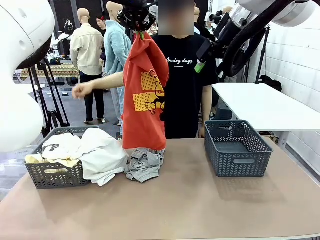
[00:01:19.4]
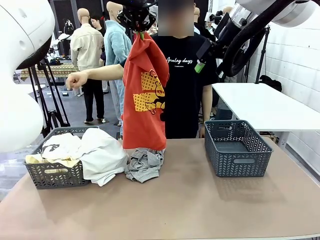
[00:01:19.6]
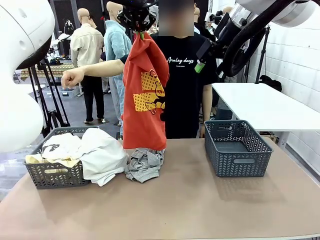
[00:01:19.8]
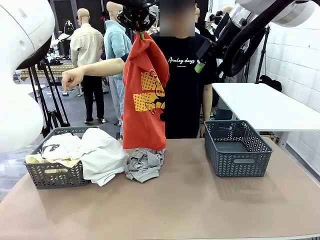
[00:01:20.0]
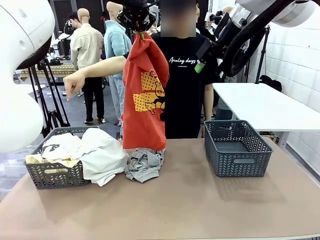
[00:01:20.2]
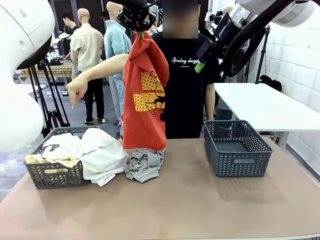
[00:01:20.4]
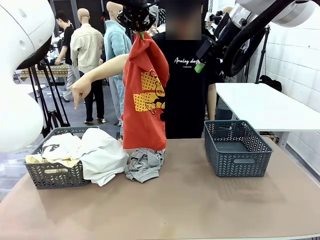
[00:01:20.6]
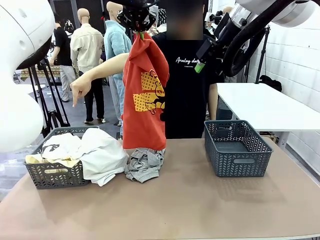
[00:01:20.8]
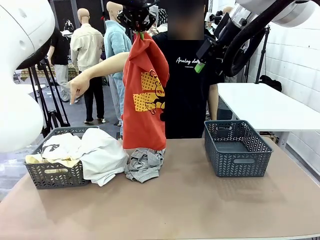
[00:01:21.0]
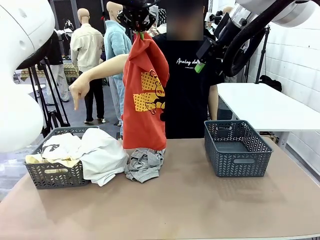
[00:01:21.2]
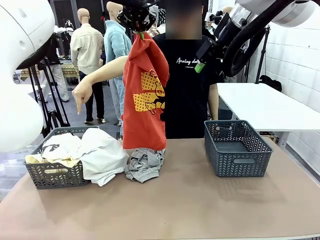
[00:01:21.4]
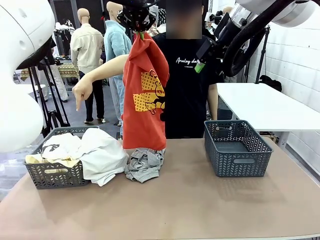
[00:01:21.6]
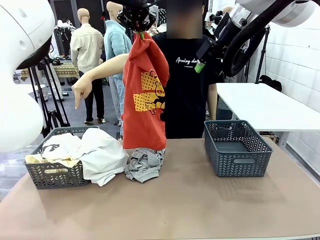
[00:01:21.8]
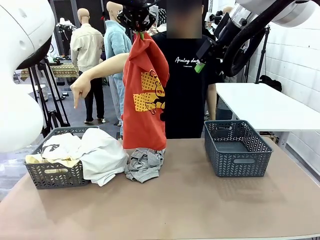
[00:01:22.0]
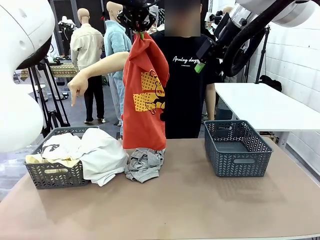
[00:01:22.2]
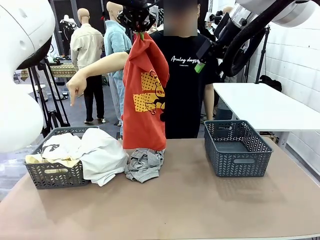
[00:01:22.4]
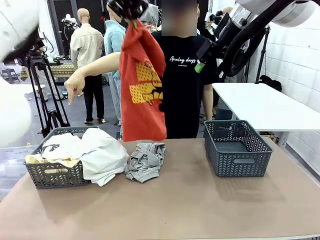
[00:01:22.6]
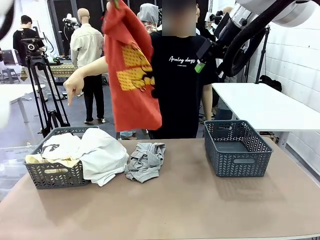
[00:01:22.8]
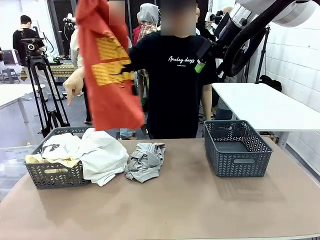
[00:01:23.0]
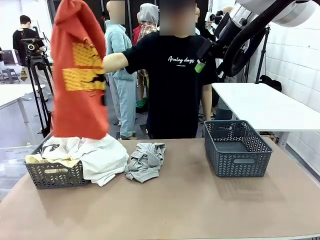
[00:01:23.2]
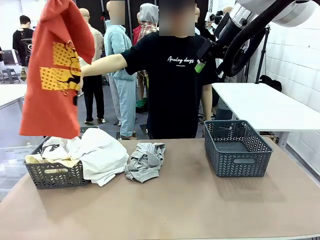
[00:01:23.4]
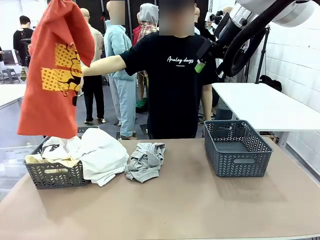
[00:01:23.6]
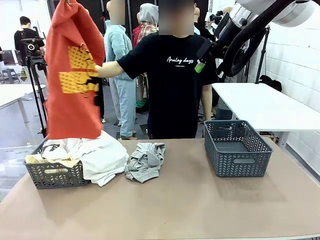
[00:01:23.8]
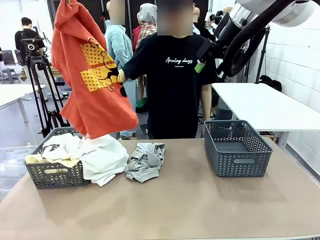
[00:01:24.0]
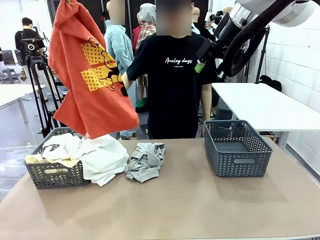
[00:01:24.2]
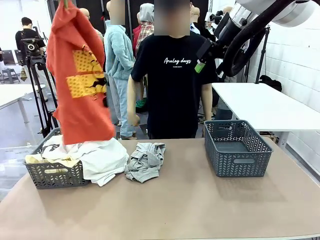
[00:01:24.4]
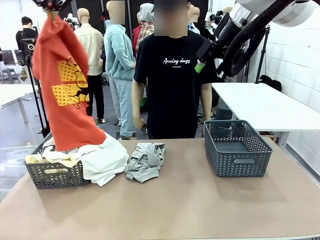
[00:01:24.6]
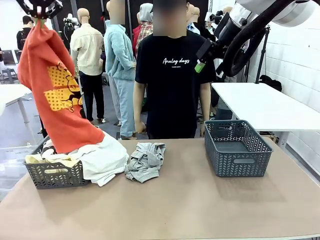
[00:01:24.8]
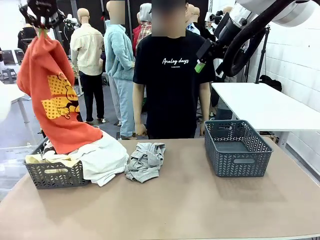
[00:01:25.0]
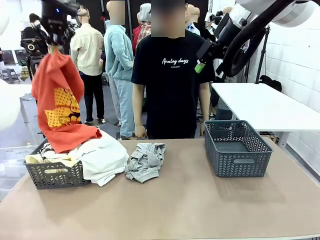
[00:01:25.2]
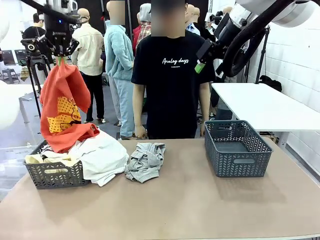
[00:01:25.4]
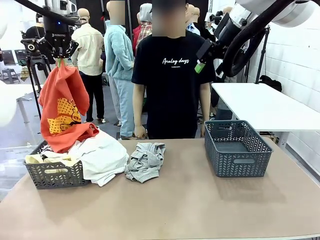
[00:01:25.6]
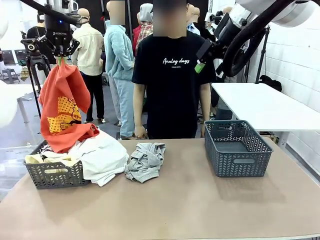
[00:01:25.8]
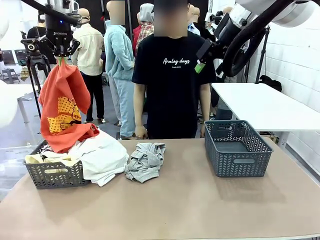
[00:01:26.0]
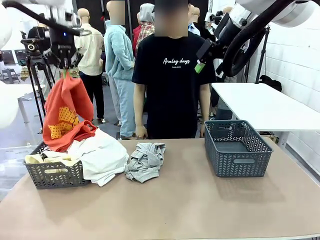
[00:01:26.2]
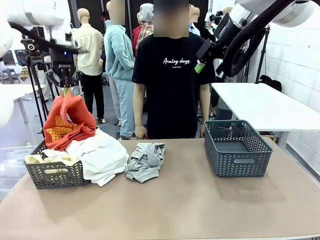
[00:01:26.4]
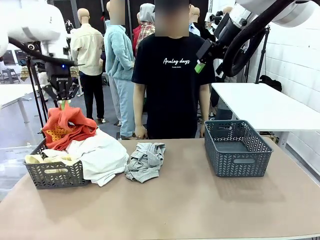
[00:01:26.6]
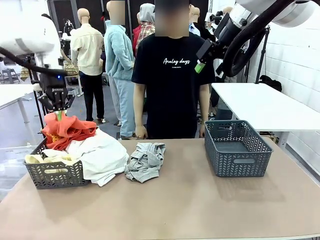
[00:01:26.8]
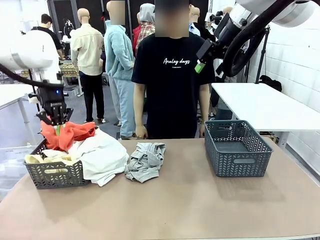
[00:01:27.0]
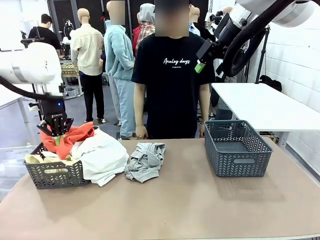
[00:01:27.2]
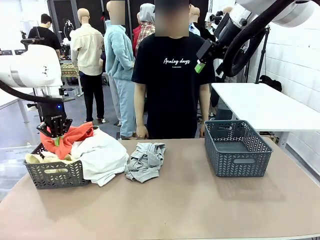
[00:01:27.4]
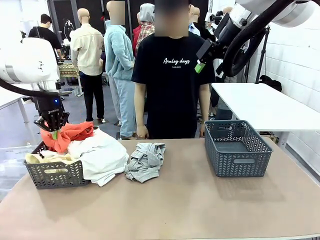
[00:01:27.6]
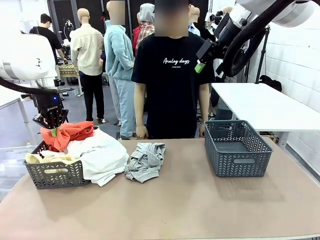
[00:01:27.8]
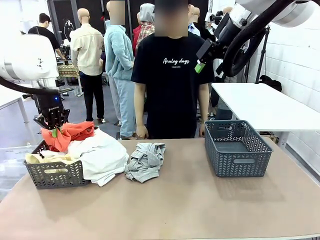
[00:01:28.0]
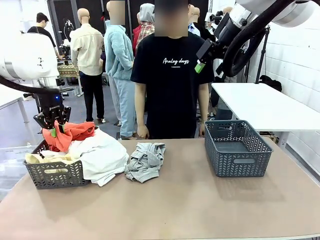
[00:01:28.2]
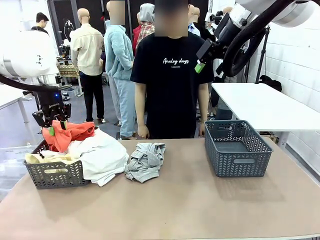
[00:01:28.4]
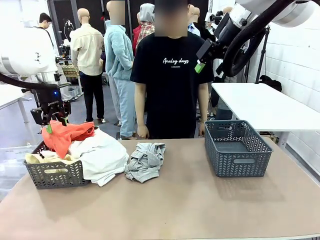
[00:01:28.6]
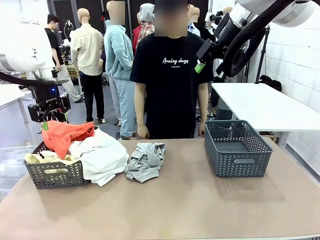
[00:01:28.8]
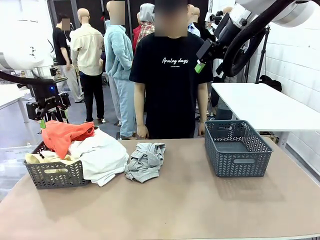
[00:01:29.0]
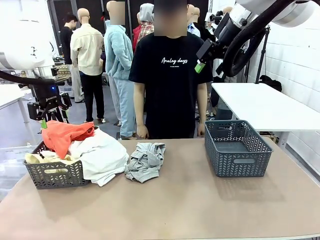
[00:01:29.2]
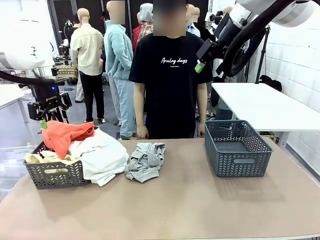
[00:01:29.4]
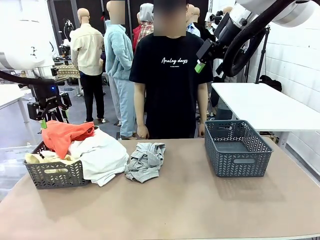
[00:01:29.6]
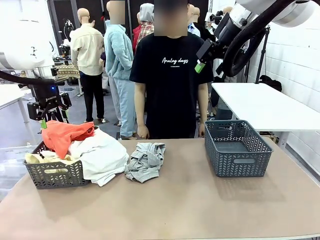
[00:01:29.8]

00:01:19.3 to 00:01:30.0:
Task: Sort the tops and bottoms.
Robot: Sort the clothes according to human instructions.

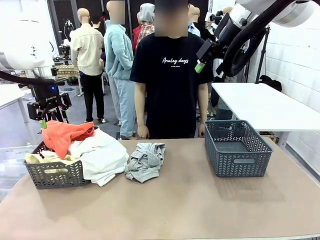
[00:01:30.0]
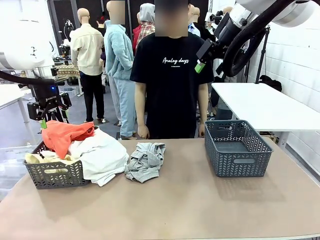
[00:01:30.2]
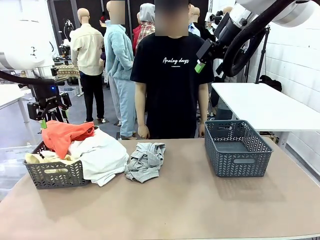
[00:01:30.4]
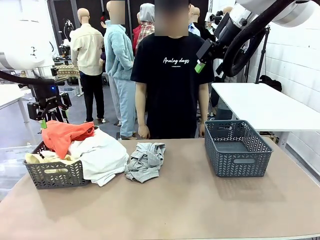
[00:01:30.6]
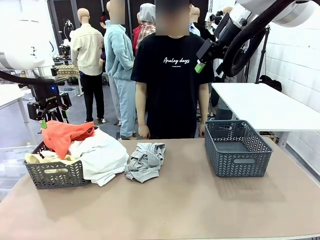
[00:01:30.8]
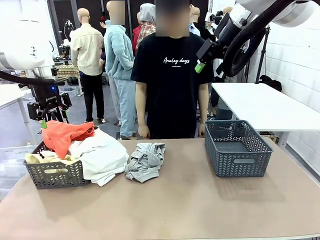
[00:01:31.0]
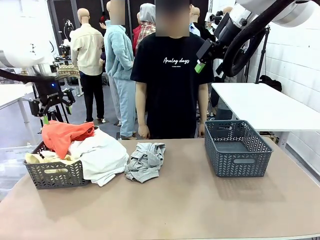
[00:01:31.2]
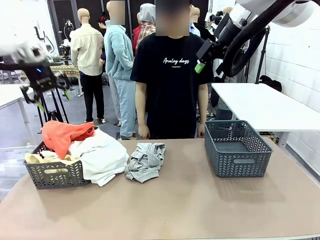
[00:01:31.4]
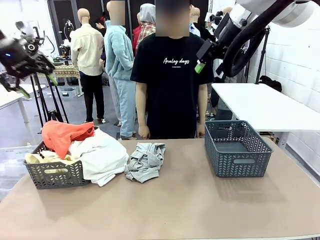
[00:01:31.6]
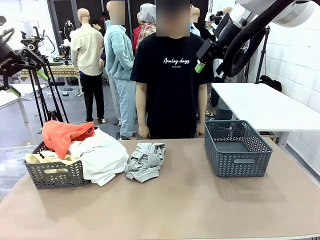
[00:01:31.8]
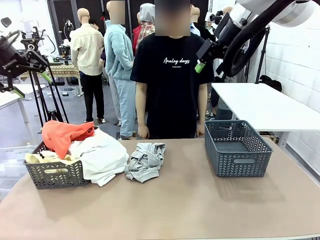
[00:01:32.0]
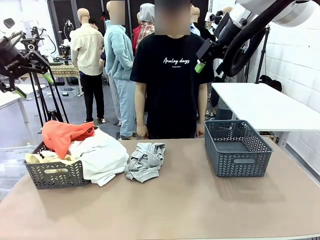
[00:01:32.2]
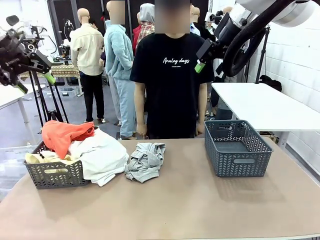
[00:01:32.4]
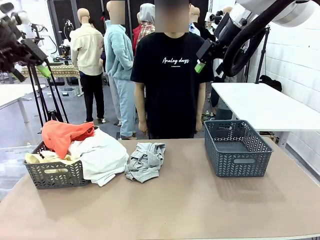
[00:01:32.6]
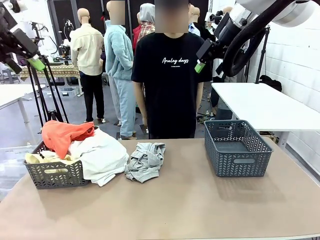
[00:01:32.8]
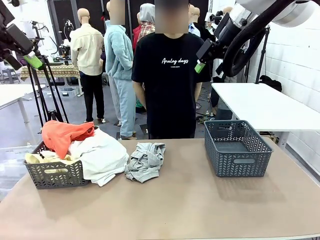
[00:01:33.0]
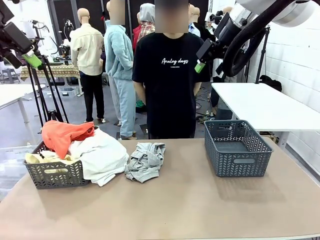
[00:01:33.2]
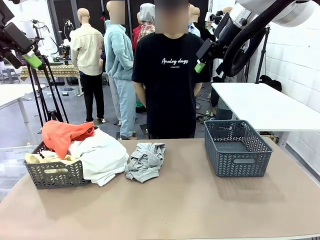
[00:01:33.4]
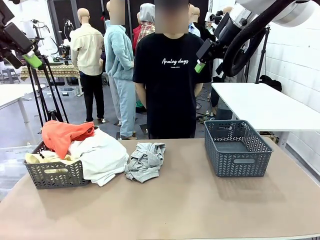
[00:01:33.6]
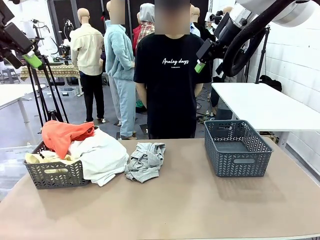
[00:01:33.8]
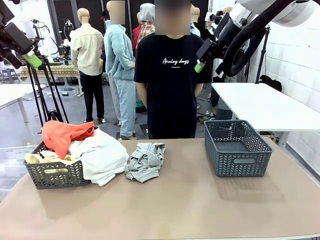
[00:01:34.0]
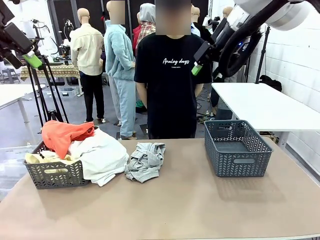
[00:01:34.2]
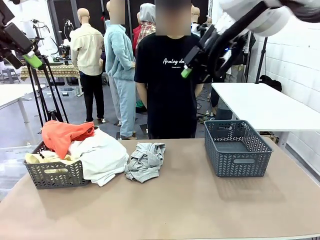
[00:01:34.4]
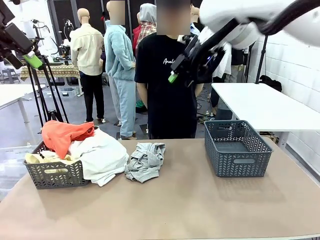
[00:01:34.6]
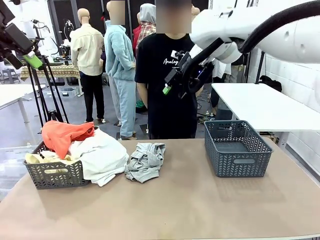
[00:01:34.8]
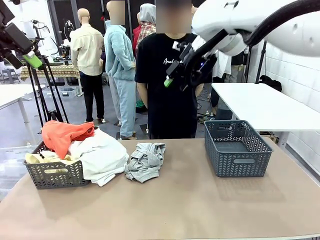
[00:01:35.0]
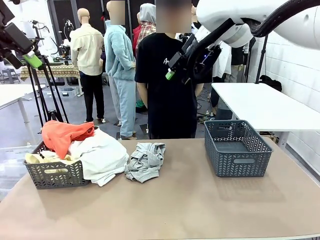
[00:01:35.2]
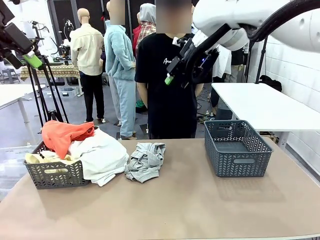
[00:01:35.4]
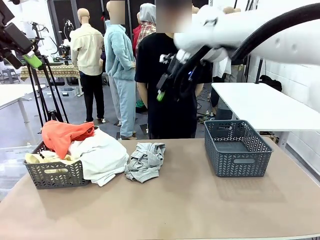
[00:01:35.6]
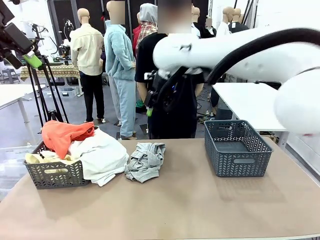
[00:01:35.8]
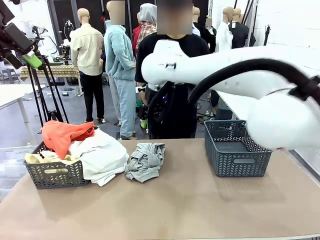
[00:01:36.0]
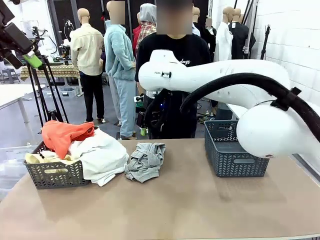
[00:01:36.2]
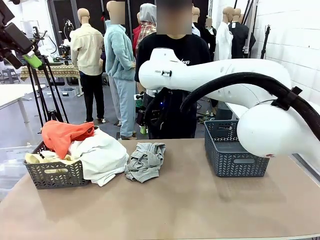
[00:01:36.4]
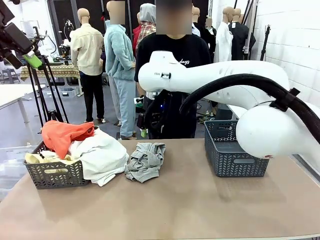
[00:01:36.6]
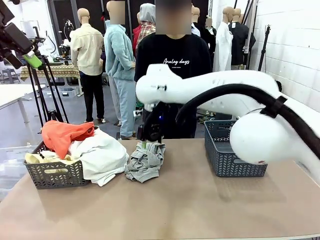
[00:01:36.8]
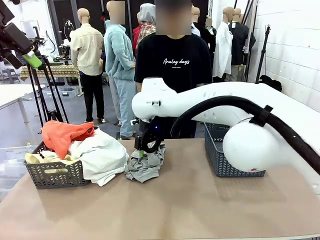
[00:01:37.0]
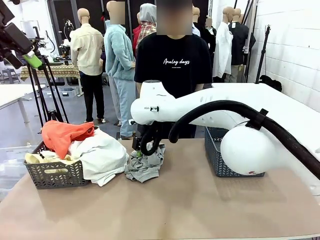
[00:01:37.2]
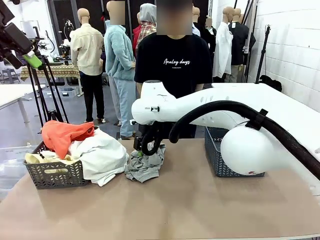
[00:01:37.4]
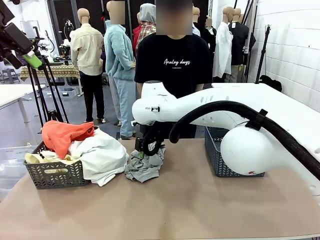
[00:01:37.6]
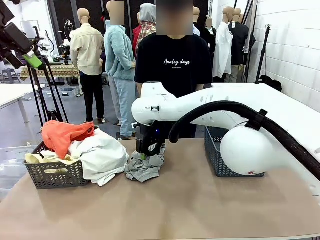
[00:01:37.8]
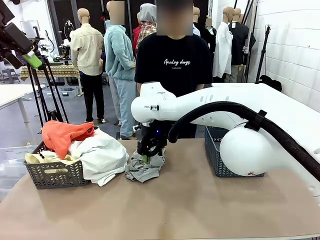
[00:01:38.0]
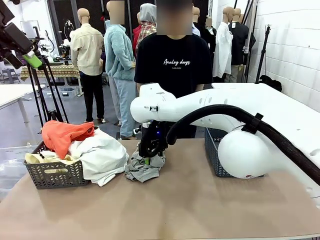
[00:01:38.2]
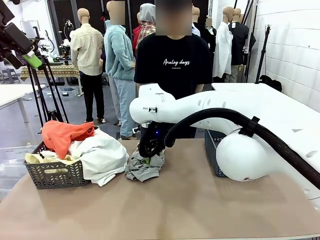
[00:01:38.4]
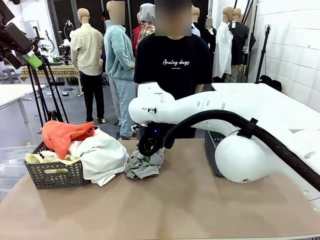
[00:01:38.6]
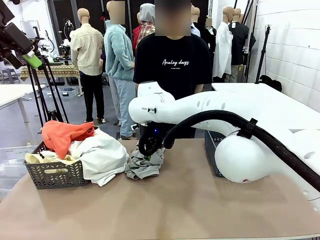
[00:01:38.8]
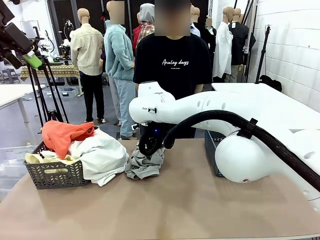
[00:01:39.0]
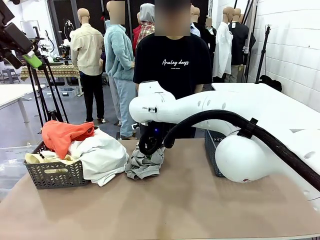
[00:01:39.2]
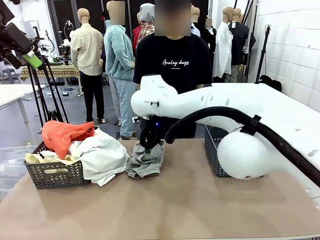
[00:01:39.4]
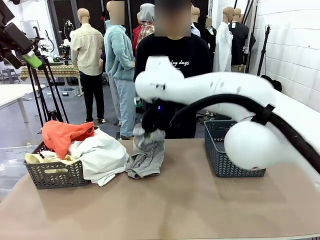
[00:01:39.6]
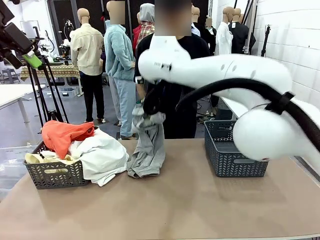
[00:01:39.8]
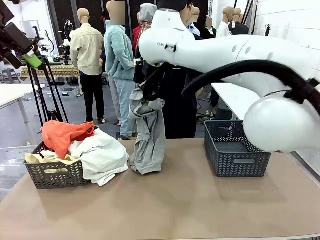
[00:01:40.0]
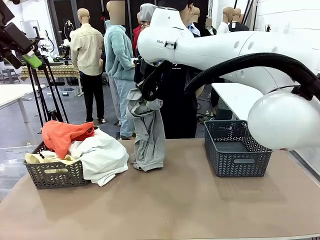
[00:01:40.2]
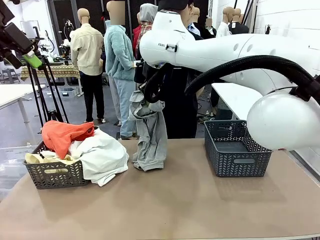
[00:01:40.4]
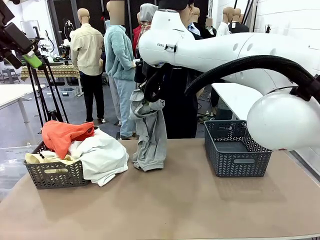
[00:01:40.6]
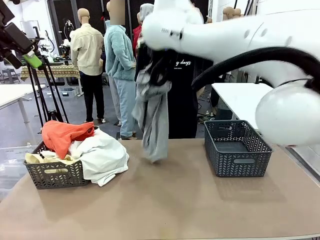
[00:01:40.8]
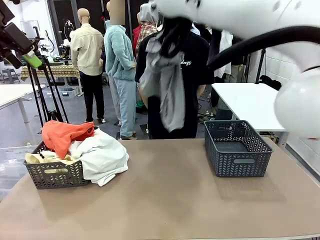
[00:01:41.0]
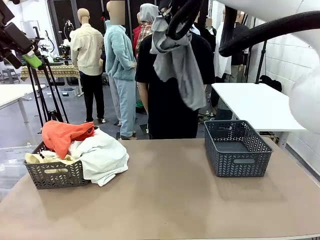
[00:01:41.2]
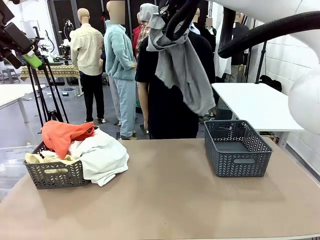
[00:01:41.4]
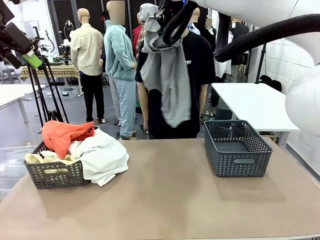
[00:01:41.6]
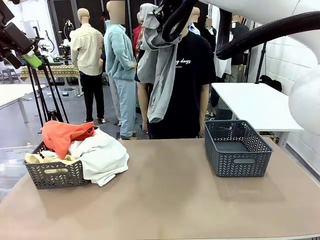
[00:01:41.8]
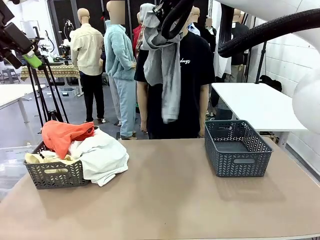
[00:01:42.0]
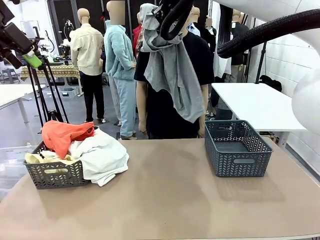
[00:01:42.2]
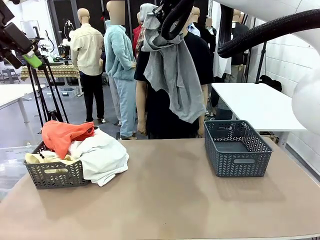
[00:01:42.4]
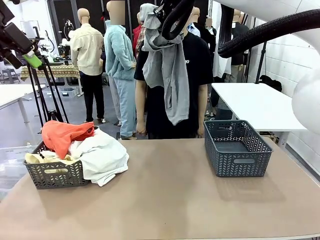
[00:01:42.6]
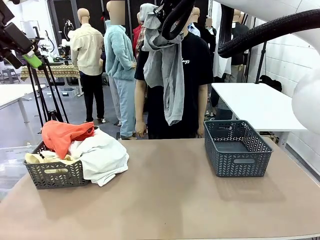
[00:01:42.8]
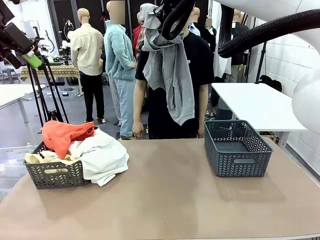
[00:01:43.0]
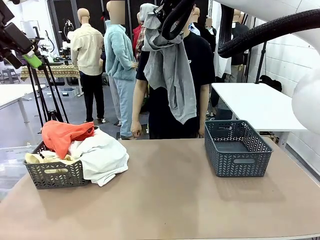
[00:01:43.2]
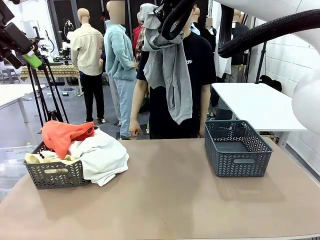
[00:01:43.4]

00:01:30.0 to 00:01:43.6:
Robot: Lift clothes from the center of the table with your right hand.
